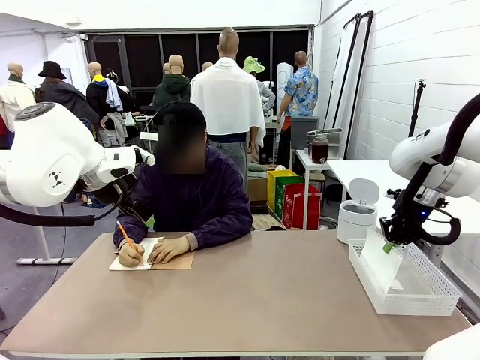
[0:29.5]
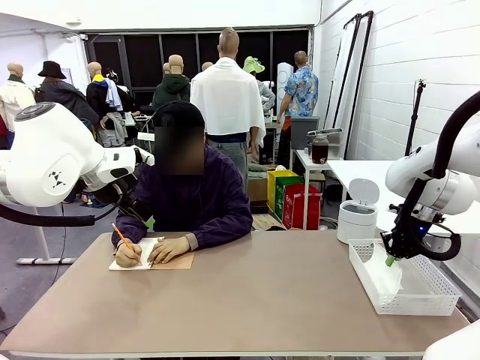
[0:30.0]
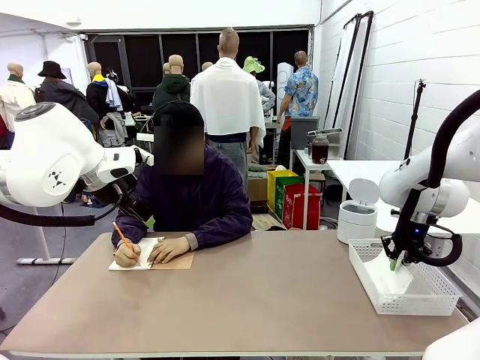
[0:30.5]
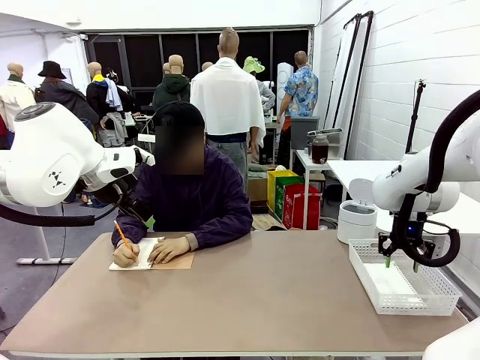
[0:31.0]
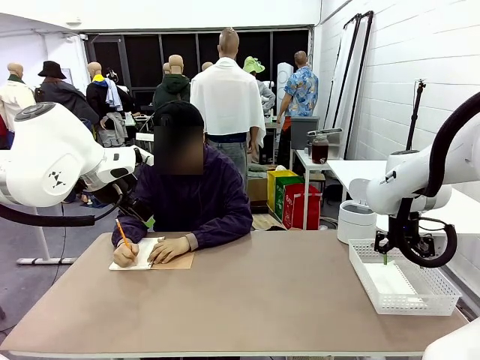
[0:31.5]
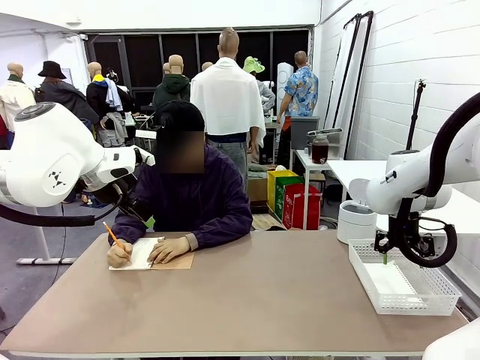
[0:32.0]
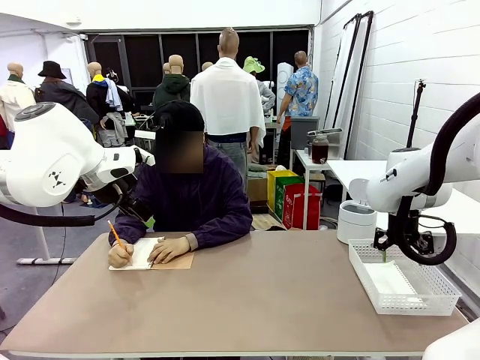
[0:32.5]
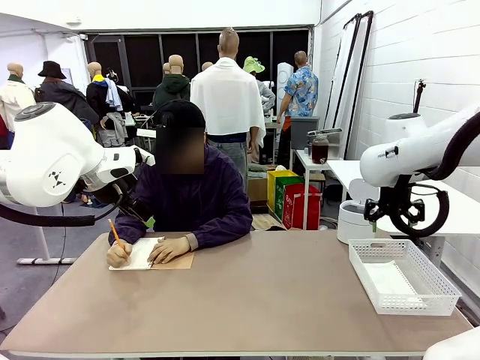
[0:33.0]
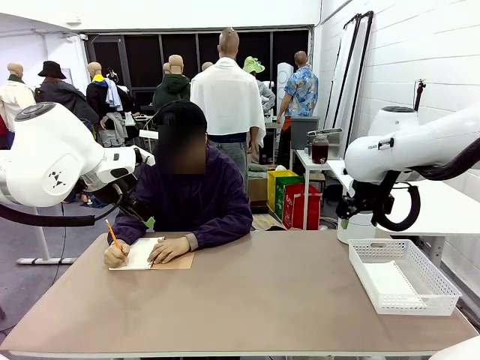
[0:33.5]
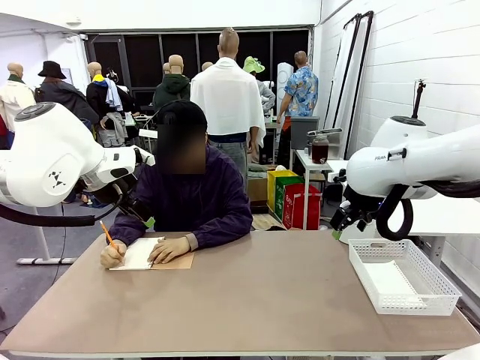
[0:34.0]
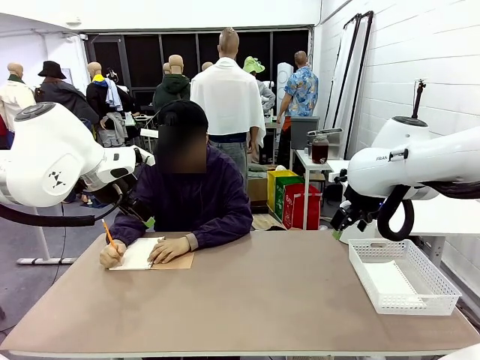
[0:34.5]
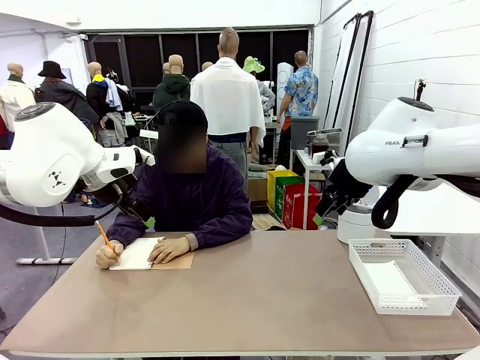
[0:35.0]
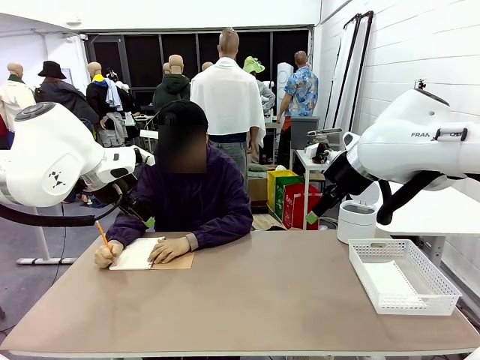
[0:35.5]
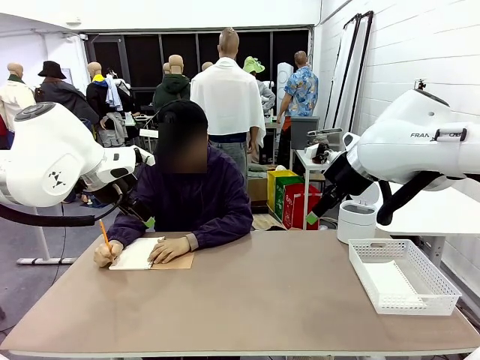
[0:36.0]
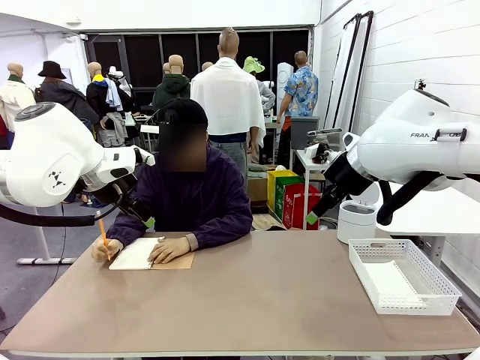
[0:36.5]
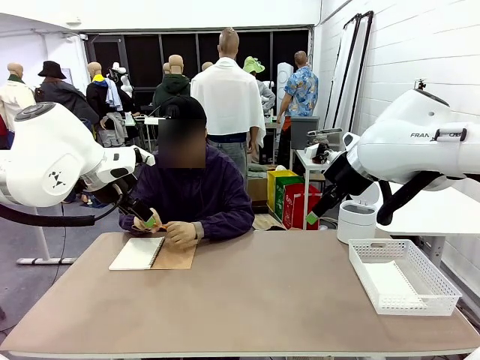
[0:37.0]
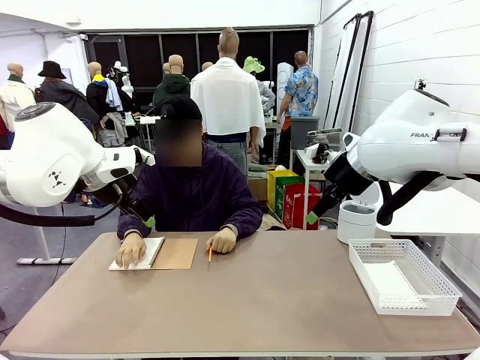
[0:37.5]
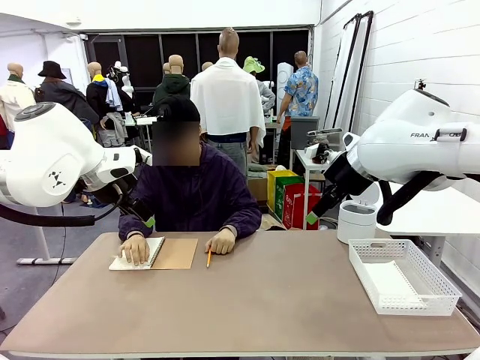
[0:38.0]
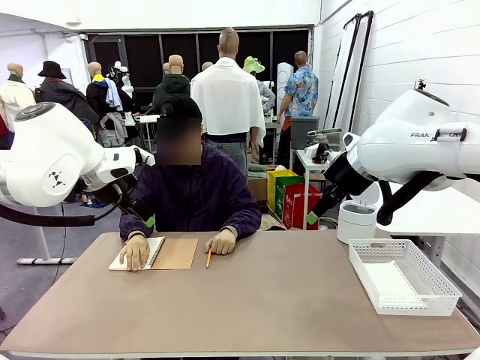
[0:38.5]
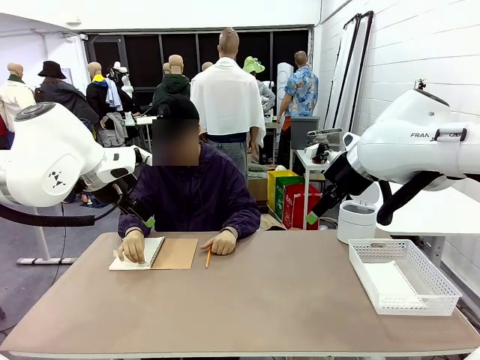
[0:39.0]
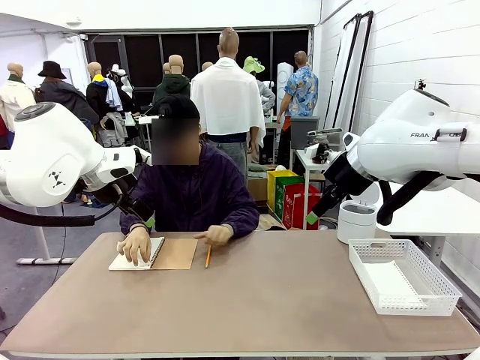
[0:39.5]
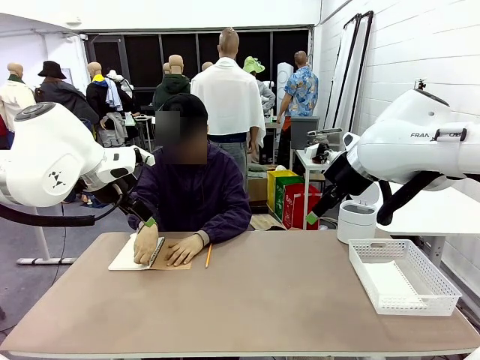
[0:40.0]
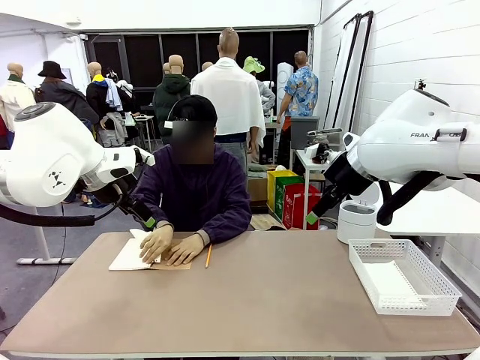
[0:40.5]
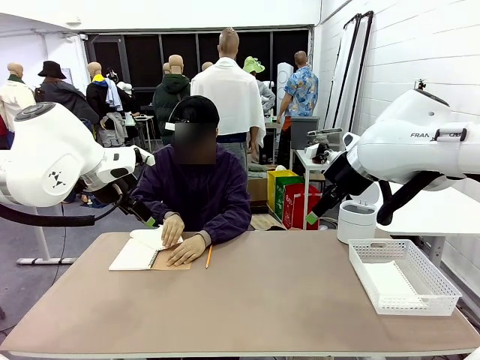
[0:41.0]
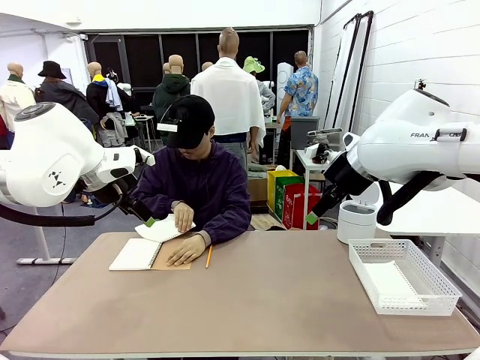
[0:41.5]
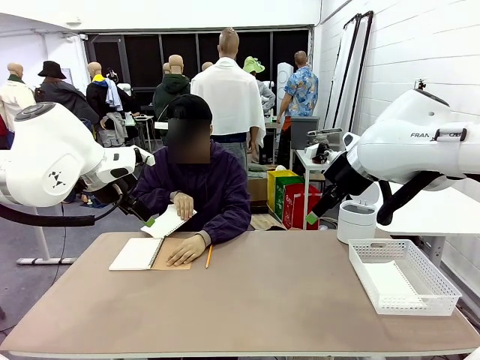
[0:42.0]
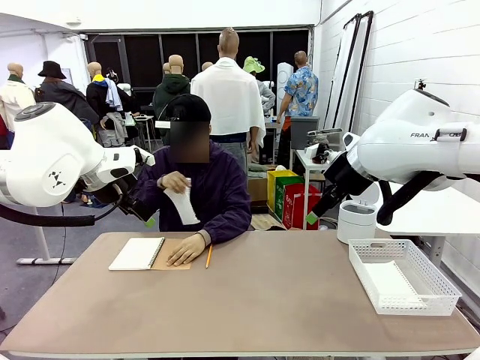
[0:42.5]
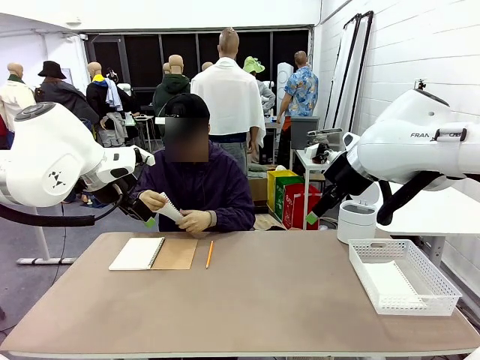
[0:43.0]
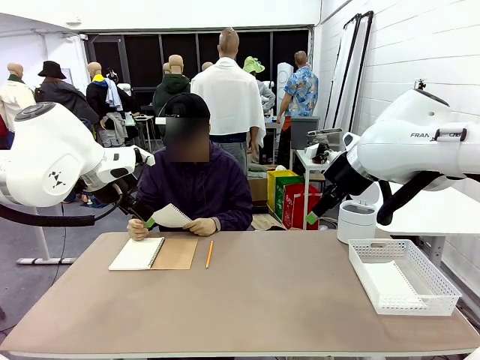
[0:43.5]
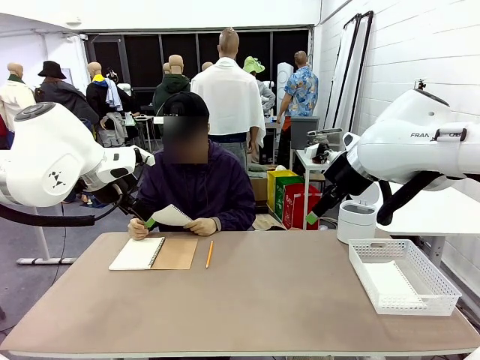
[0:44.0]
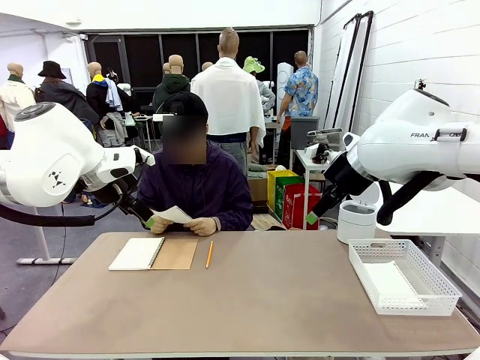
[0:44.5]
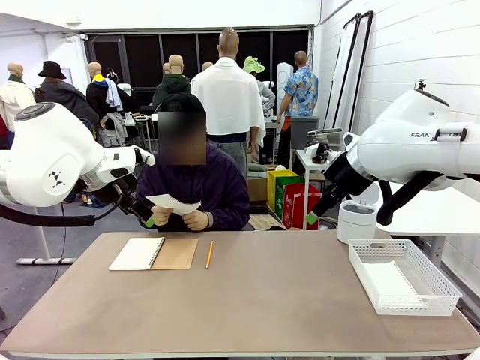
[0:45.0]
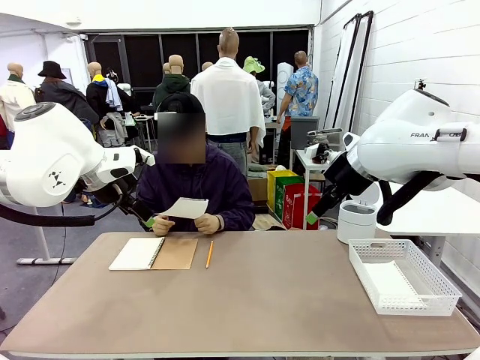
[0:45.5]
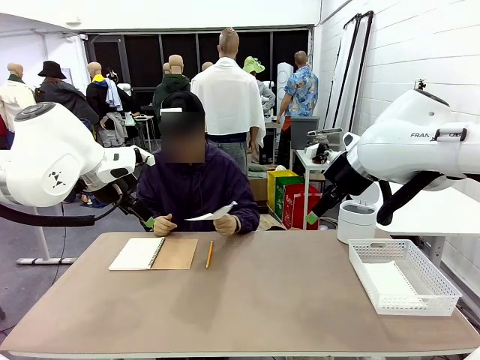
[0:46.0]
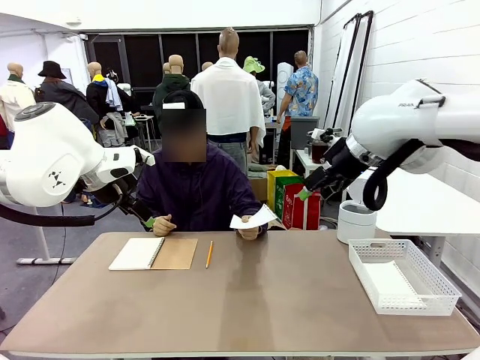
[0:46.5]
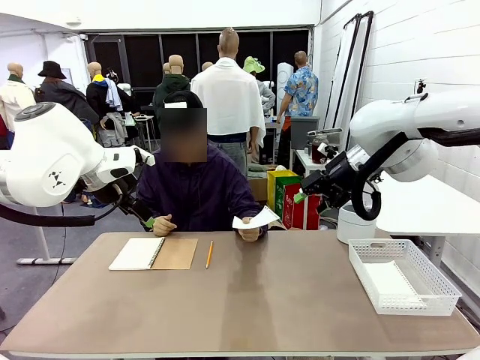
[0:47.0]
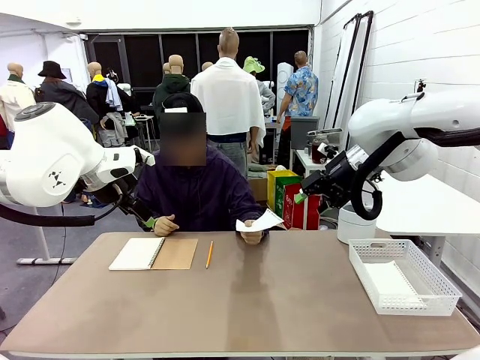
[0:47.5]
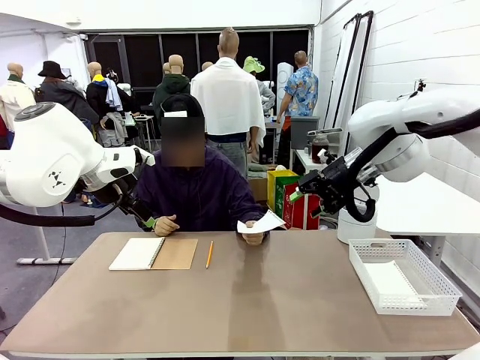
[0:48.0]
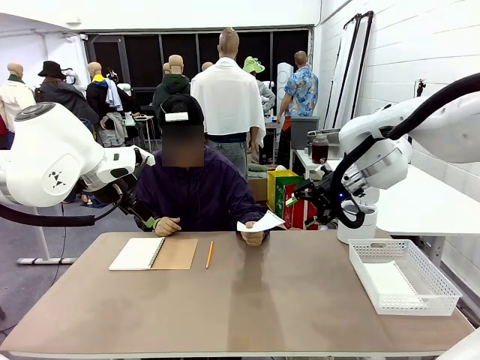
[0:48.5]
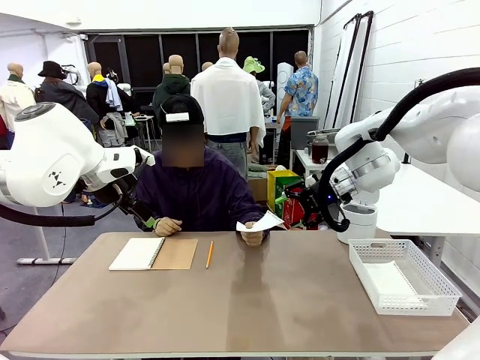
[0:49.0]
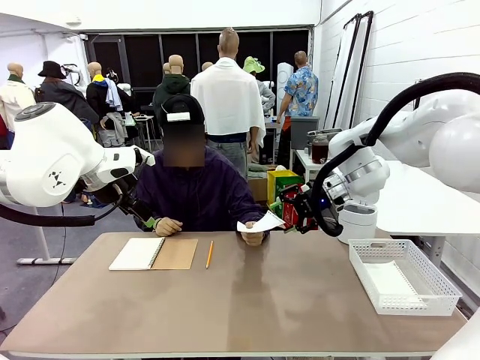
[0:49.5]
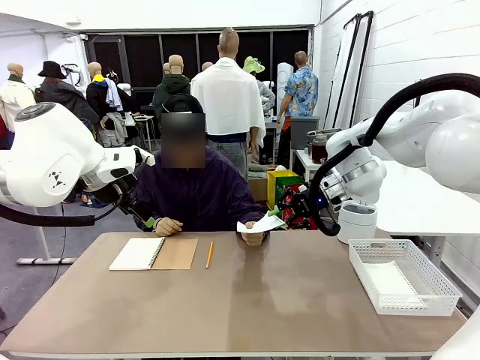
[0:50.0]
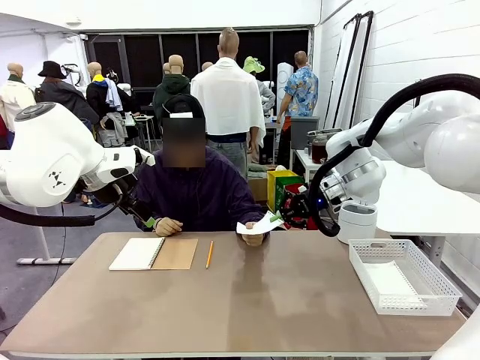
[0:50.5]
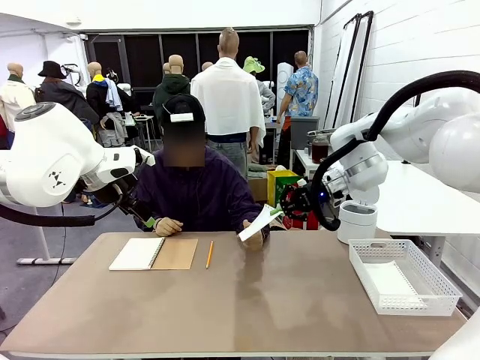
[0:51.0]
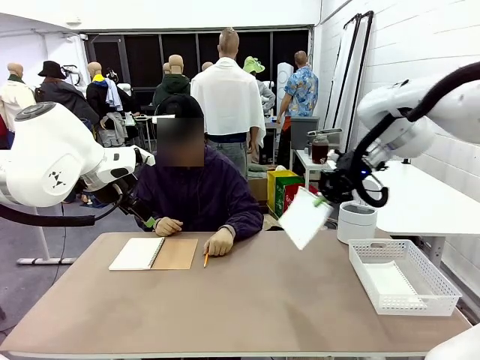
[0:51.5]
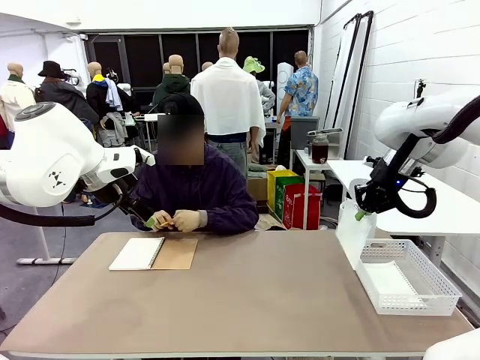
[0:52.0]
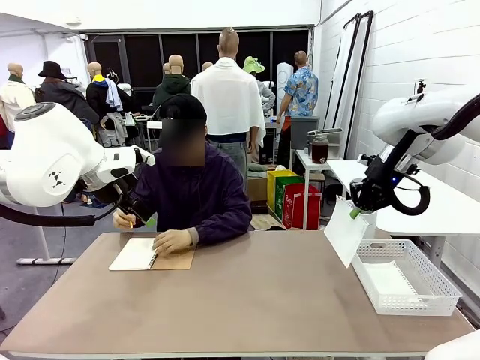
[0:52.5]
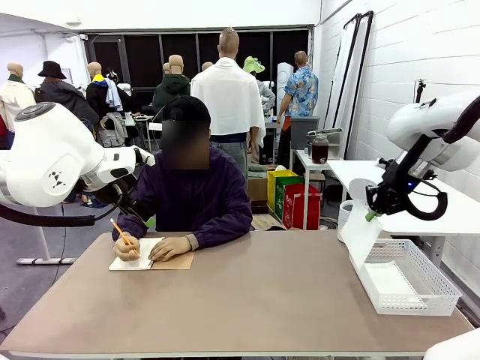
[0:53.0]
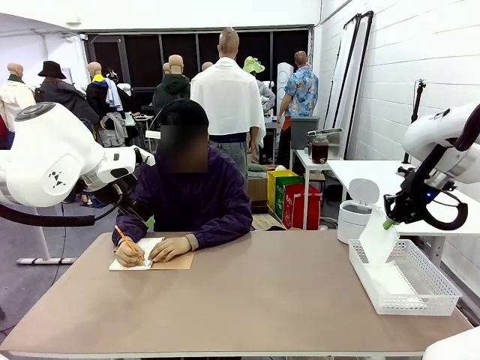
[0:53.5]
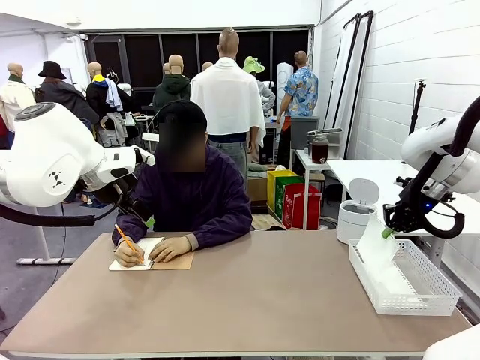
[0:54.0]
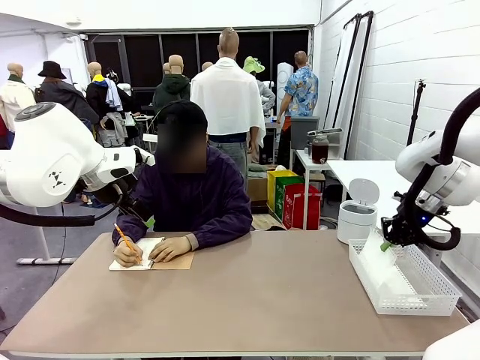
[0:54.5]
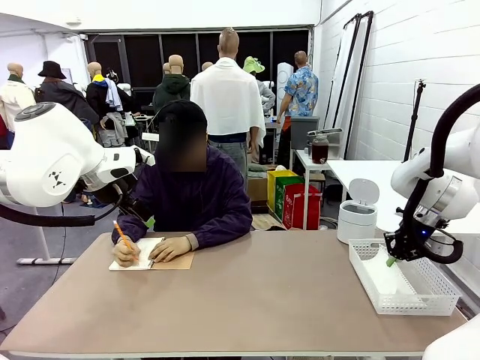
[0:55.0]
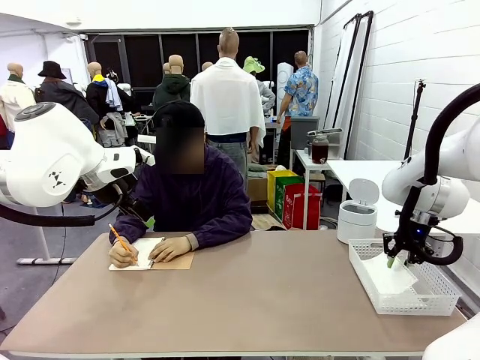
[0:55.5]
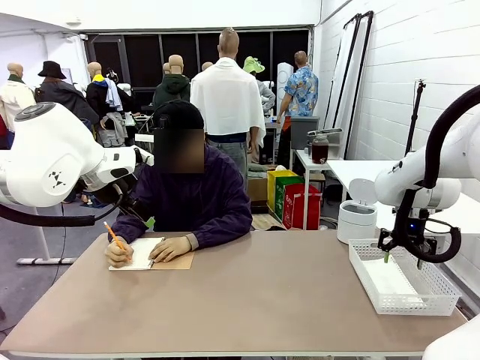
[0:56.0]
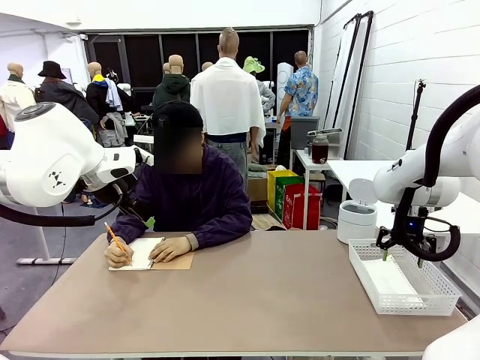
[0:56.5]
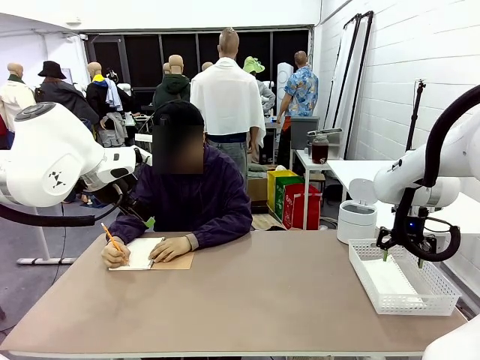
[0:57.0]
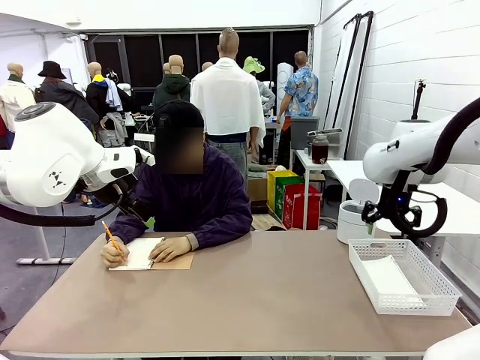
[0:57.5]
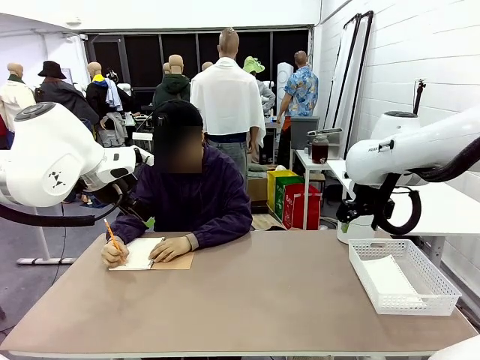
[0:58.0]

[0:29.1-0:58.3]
Task: Sort the paper based on its condition.
Robot: If a person hands you a paper, place it in the Organizing basket , and if it's crumpled, put it in the Trash can.
Person: Tear out a page from the spiral notebook. Hand the torn page to the robot or crumple it and throw it to the center of the table. Tear out a page from the spiral notebook.
